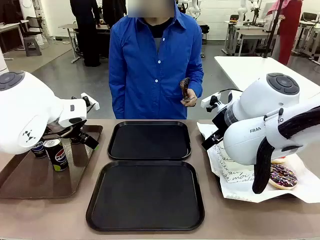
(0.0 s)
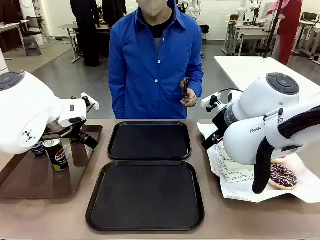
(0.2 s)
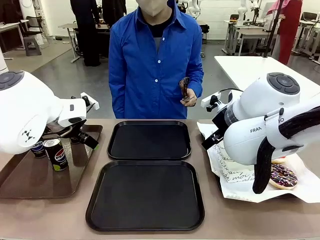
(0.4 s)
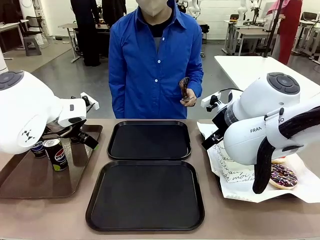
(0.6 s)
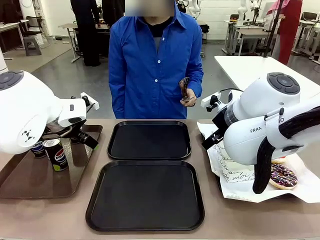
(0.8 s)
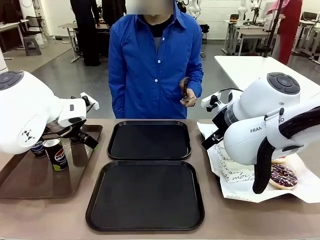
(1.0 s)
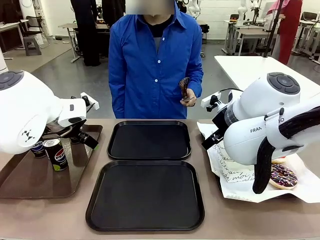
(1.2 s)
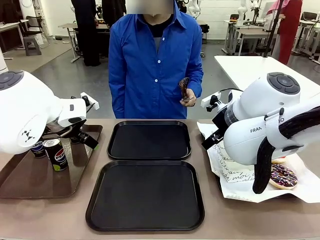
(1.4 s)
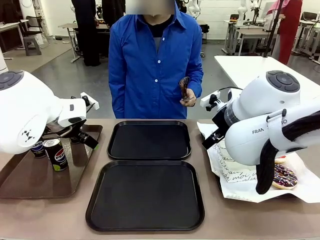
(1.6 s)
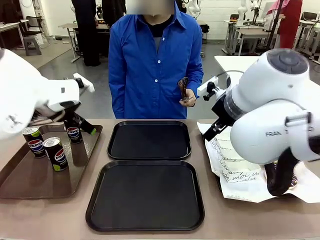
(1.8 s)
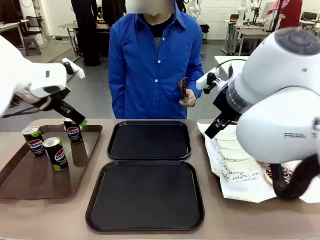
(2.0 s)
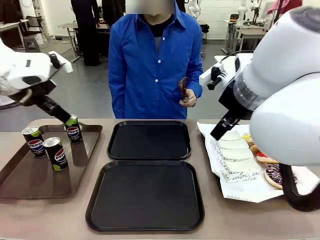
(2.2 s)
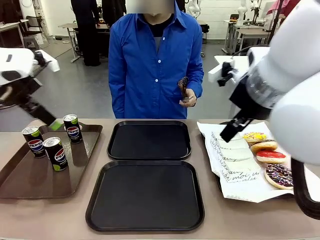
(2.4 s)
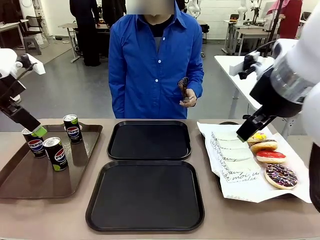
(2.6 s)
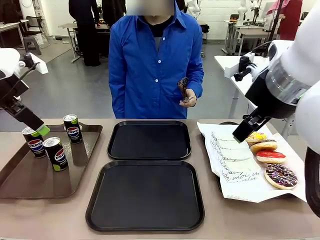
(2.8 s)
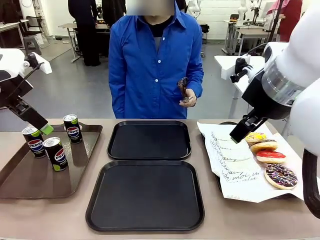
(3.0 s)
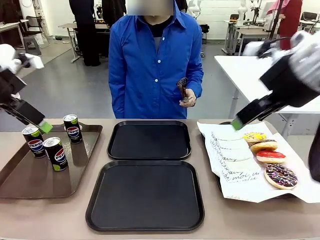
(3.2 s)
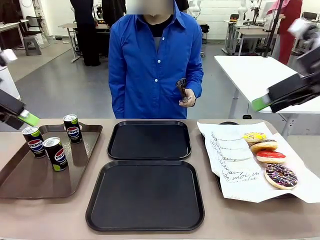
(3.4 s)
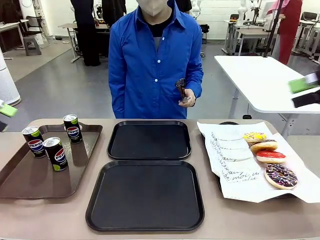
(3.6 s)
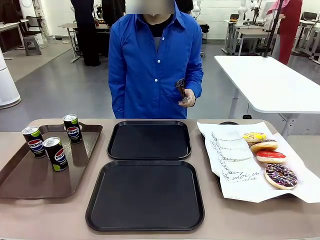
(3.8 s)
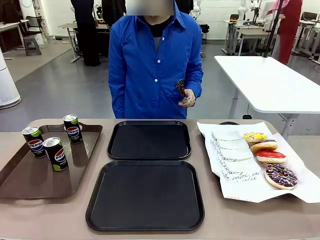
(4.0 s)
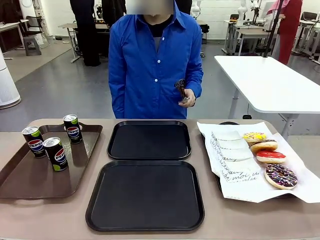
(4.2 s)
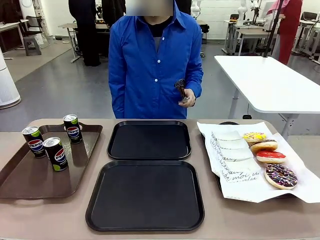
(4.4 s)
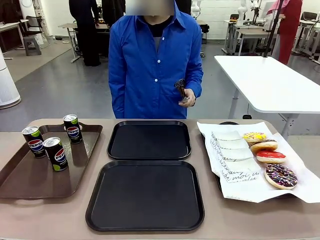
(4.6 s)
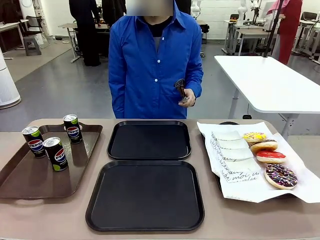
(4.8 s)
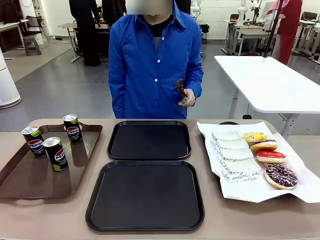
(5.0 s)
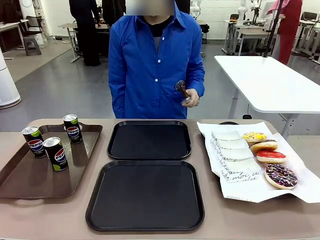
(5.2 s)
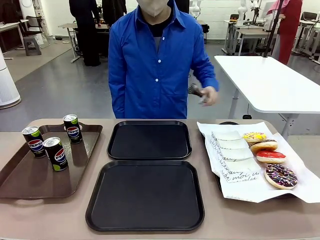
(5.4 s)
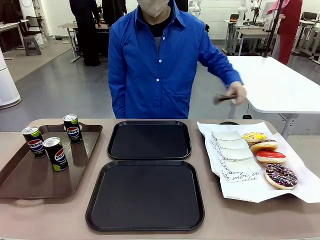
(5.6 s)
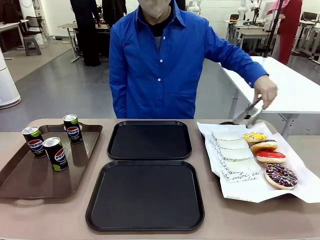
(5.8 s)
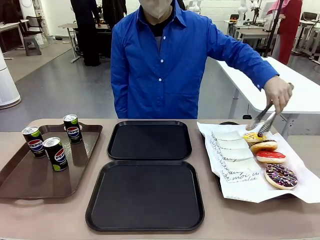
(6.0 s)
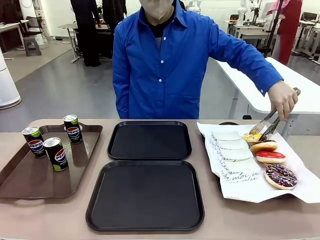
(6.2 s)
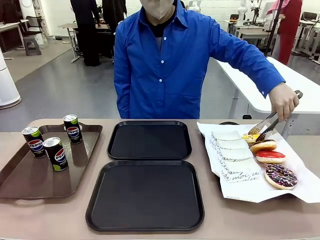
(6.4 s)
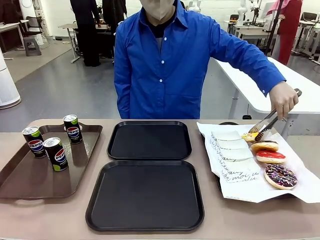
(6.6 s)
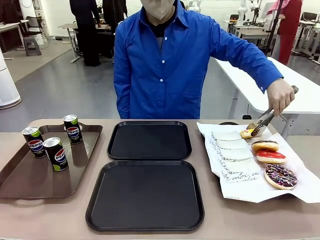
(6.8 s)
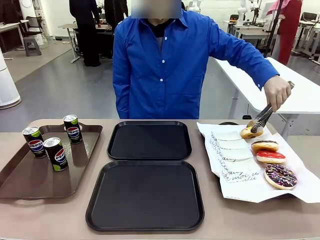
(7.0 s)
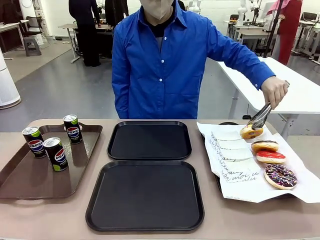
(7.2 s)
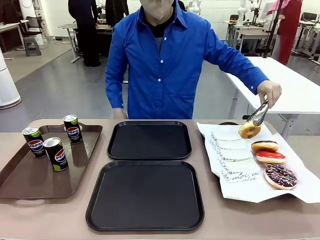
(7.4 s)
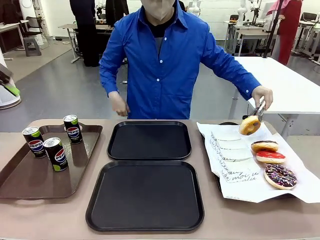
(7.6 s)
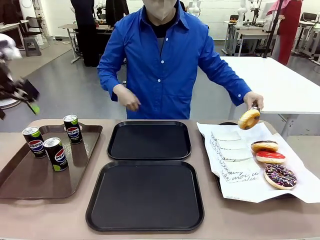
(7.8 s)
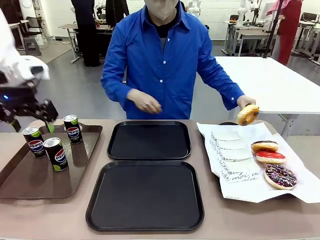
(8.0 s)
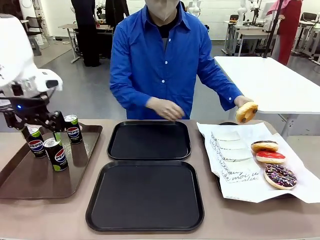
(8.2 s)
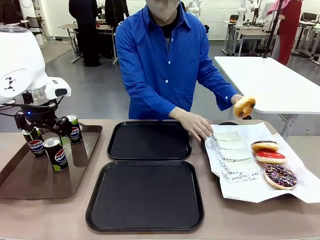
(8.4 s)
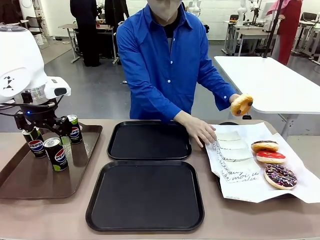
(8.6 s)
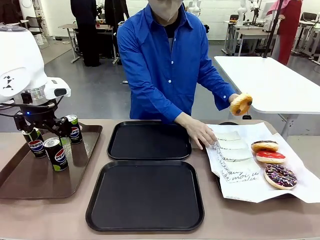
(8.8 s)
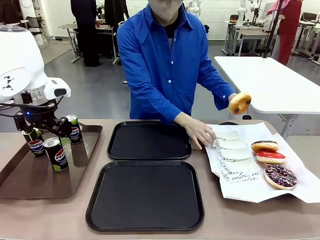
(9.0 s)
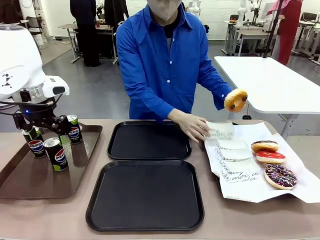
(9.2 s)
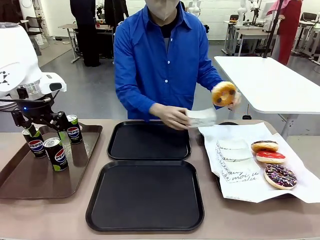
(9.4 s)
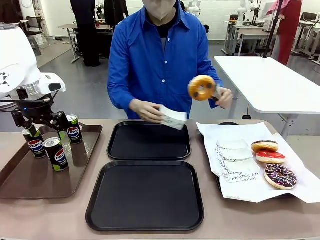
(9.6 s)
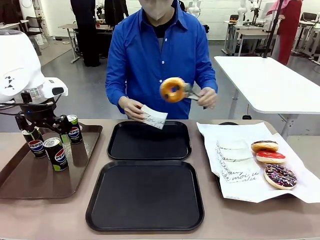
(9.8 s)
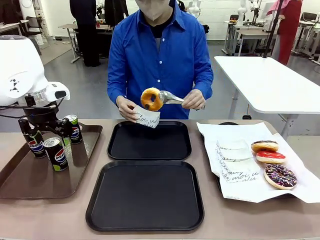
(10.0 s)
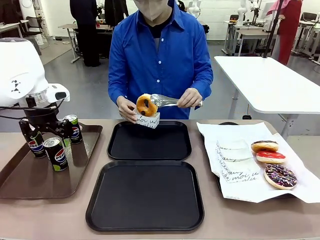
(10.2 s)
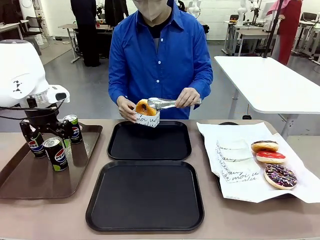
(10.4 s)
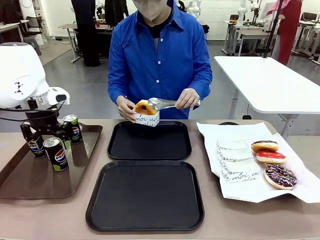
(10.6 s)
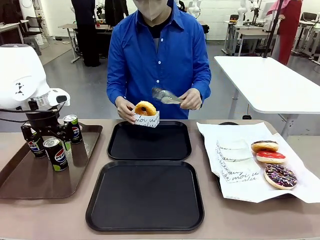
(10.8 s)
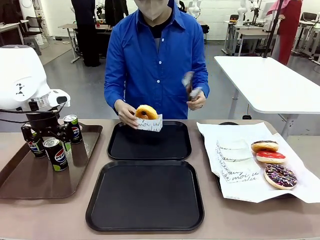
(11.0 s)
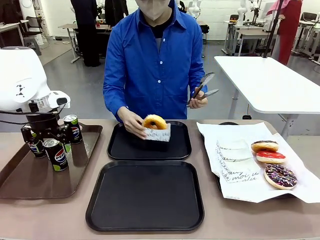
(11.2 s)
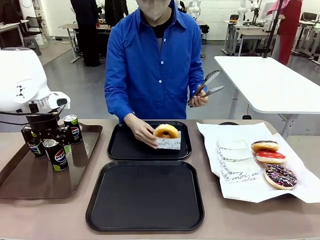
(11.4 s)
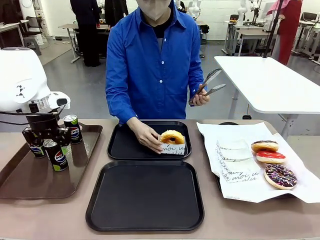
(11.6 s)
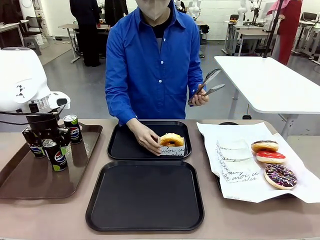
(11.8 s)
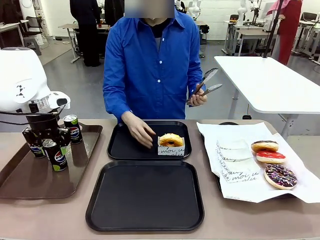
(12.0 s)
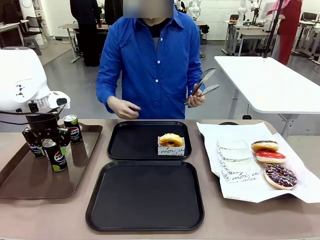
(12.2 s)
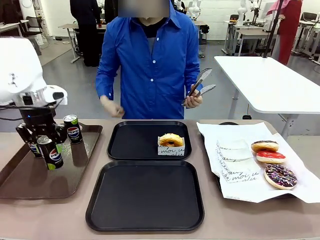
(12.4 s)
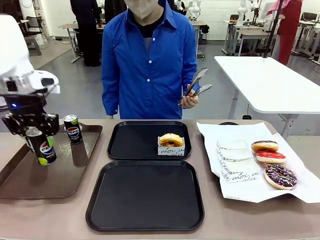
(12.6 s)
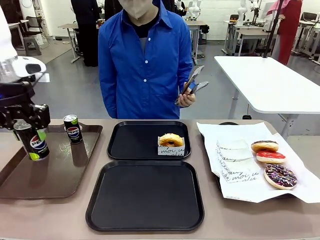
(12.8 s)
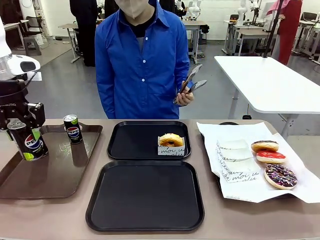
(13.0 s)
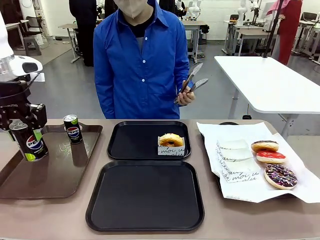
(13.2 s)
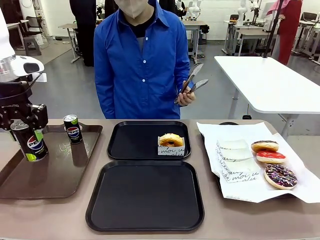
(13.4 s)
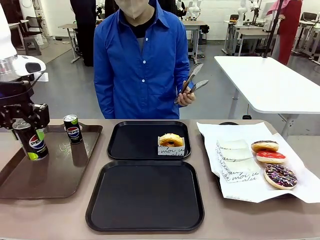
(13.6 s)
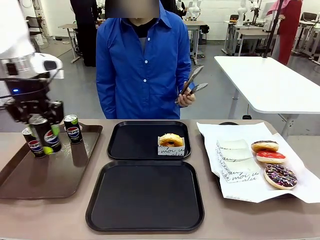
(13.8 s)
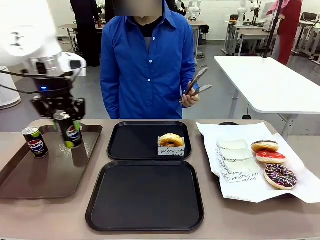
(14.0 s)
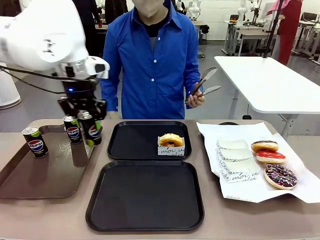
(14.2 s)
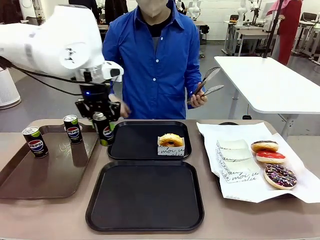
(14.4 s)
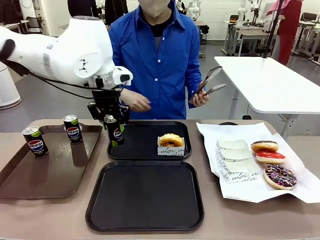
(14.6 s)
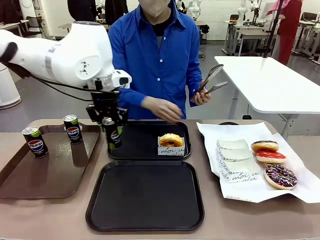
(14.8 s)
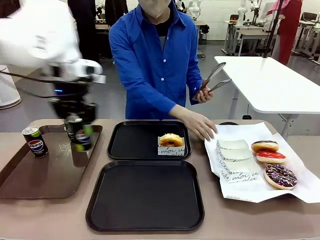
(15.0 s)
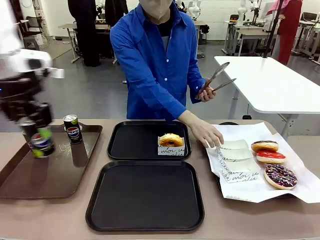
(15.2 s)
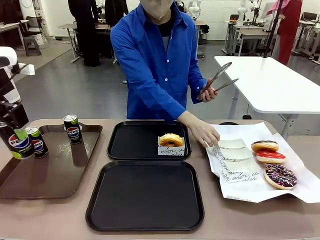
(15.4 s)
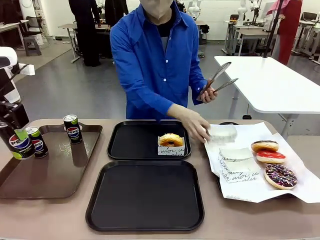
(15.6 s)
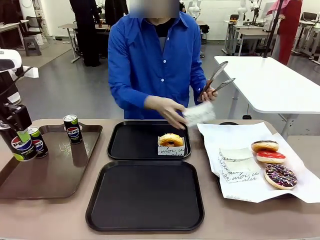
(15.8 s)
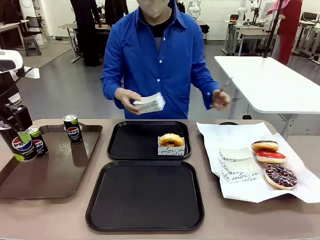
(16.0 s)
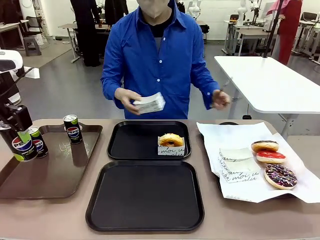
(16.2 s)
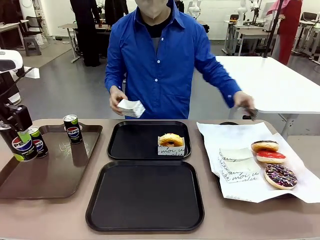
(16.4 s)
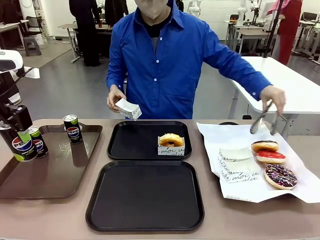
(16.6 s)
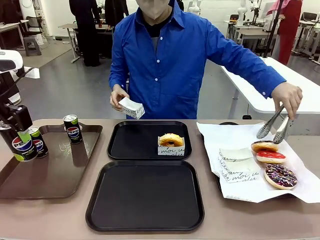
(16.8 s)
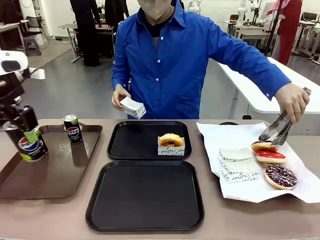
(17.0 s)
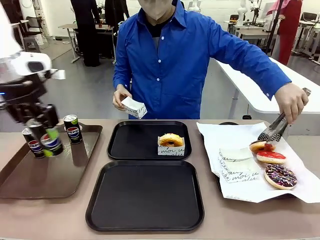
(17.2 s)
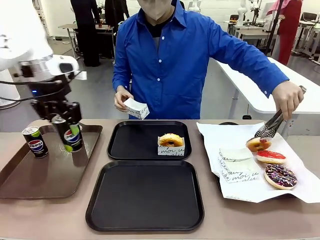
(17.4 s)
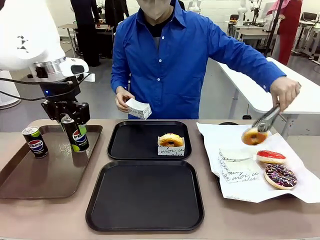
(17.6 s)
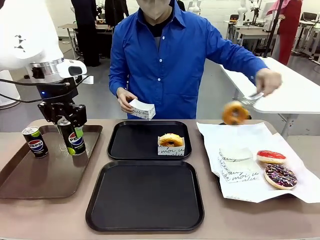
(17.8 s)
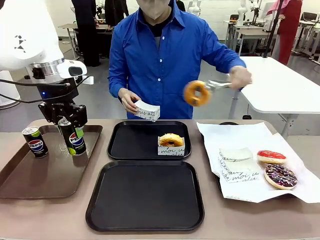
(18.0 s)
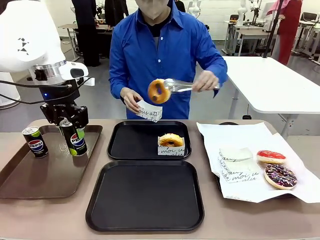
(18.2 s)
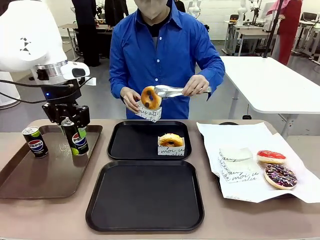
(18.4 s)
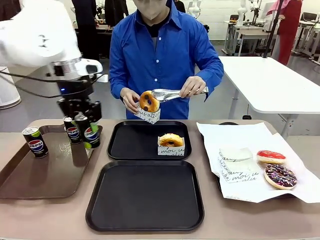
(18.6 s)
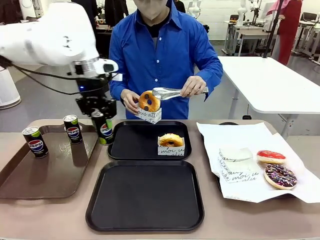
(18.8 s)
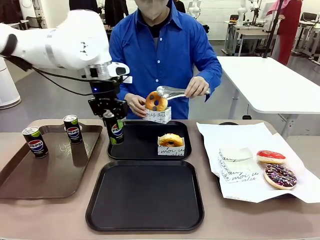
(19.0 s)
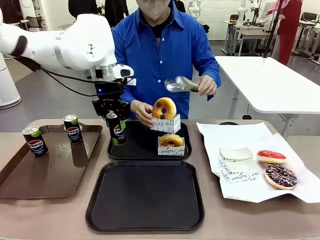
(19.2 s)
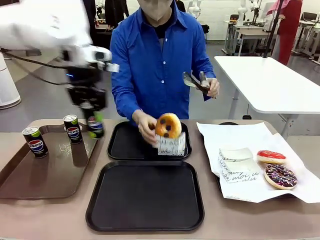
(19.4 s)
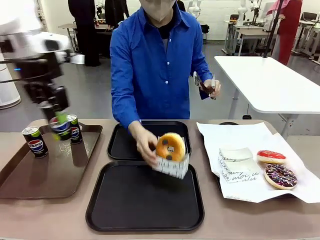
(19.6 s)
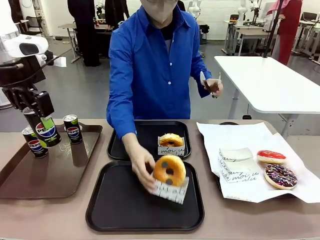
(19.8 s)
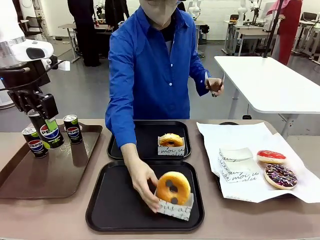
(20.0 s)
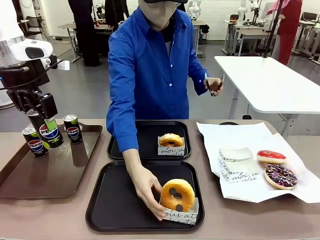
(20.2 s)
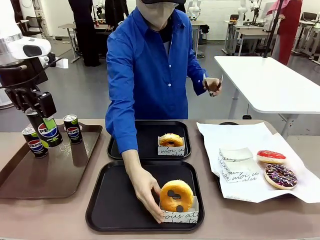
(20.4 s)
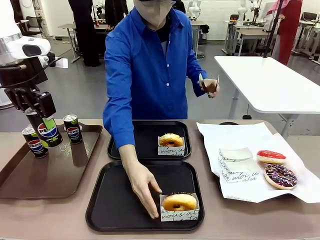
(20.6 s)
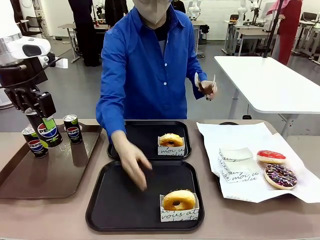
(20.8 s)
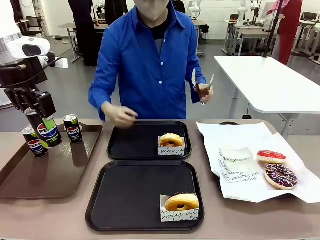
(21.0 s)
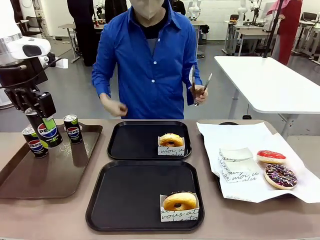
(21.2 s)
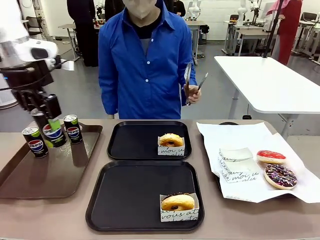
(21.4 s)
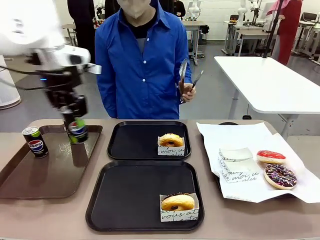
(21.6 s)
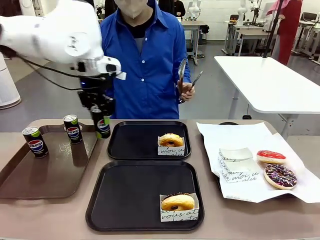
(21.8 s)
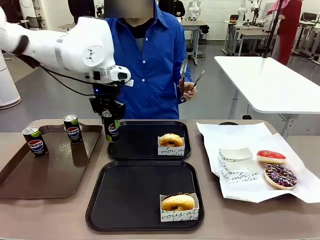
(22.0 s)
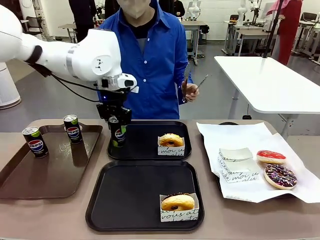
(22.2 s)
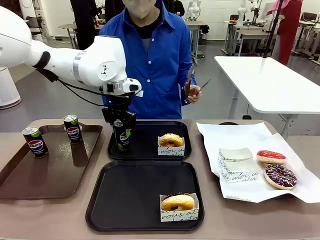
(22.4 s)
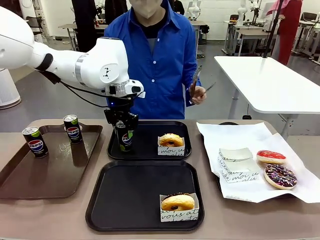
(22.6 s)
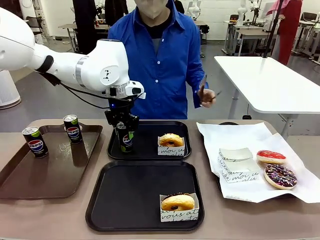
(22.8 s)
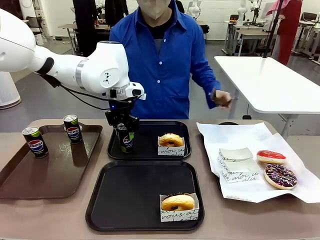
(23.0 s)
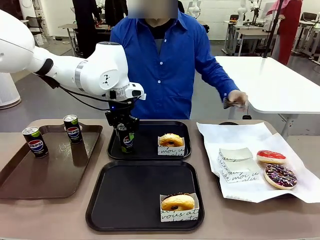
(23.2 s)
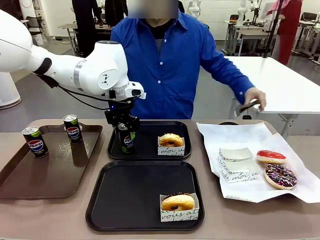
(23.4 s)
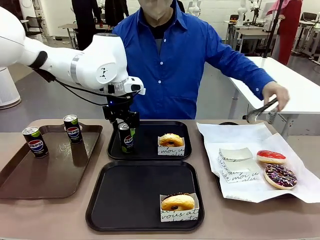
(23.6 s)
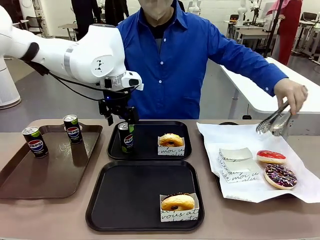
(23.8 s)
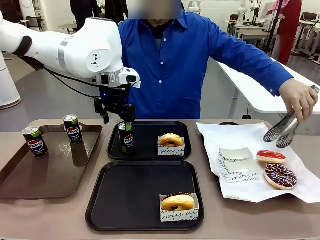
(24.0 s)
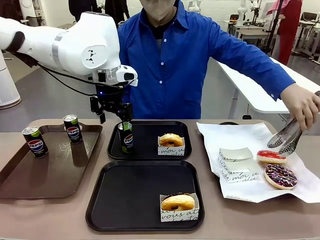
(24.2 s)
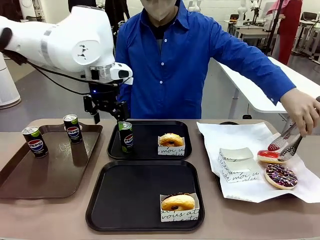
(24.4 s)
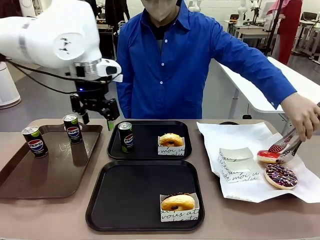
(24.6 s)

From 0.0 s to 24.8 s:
Task: Set up donuts and drinks on trays.
Robot: Pick up one Pepsi coke and place it on the Flat Tray.
Person: Pick up one donut with tongs, place it in the donut tray, and then place the donut tray on the flat tray.
